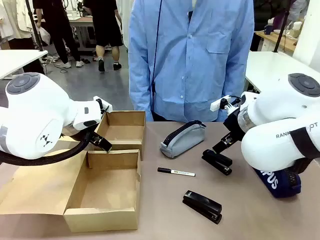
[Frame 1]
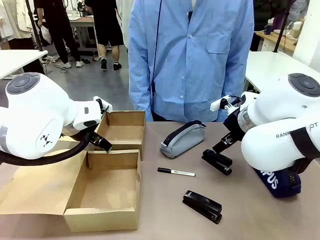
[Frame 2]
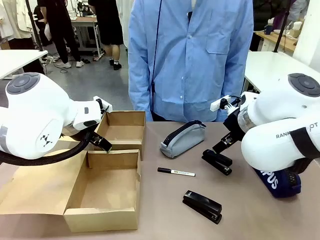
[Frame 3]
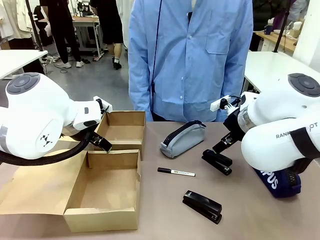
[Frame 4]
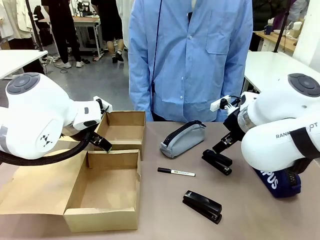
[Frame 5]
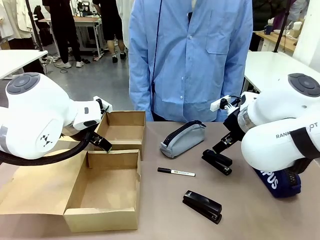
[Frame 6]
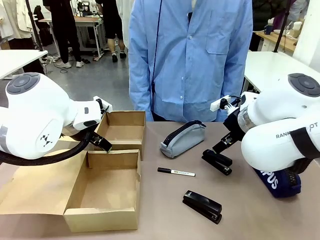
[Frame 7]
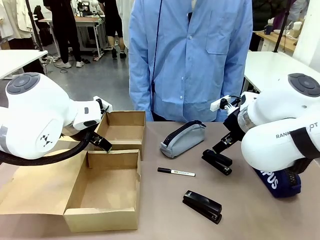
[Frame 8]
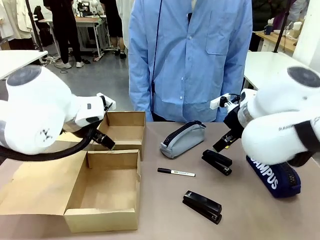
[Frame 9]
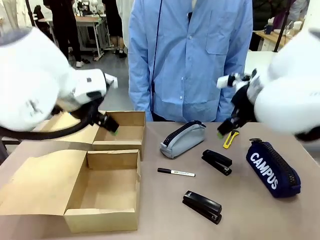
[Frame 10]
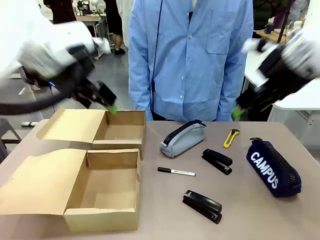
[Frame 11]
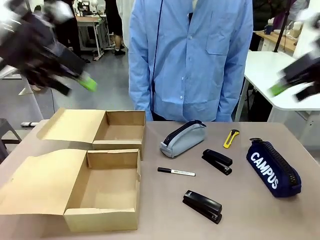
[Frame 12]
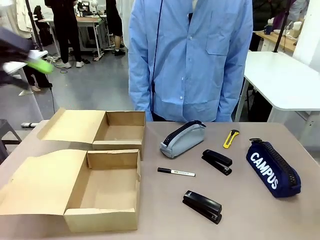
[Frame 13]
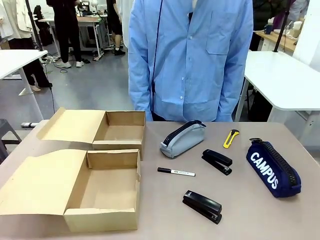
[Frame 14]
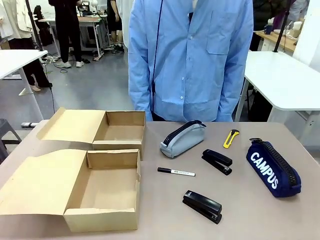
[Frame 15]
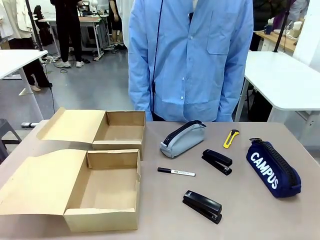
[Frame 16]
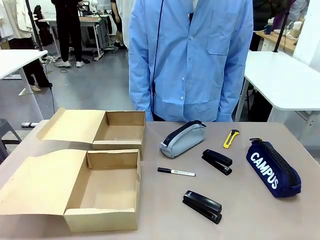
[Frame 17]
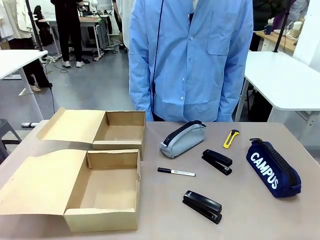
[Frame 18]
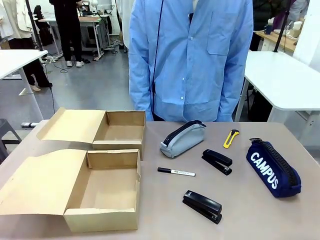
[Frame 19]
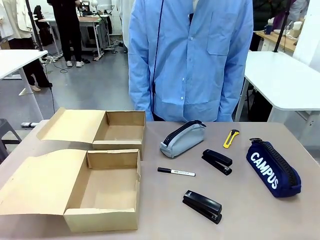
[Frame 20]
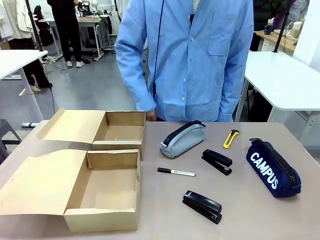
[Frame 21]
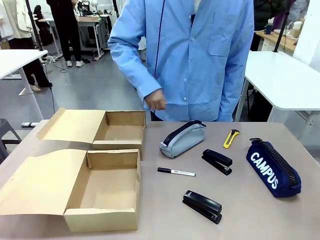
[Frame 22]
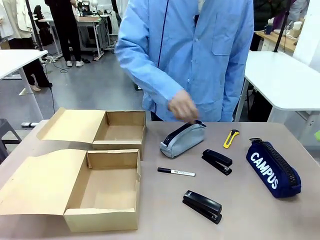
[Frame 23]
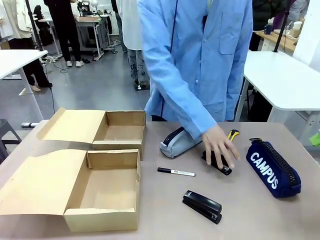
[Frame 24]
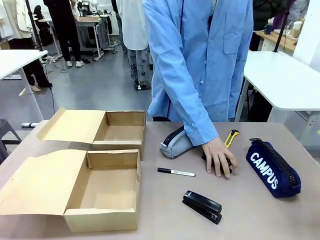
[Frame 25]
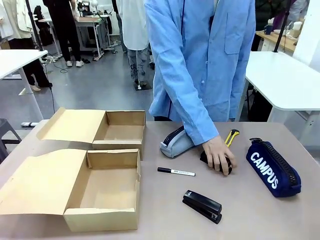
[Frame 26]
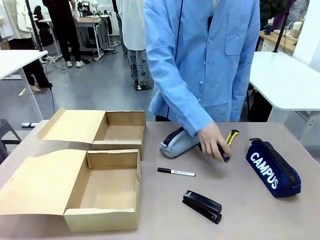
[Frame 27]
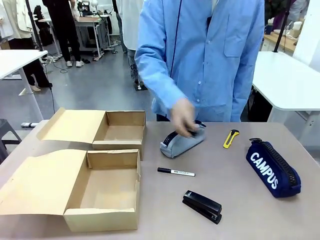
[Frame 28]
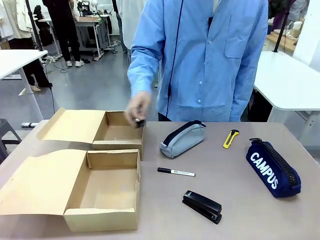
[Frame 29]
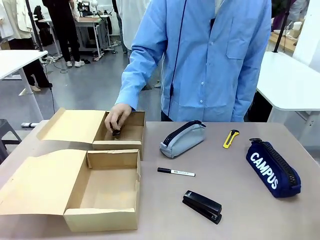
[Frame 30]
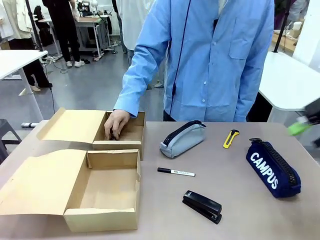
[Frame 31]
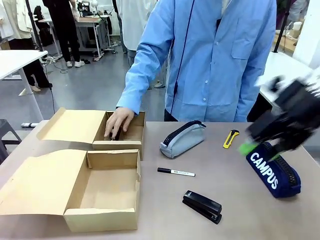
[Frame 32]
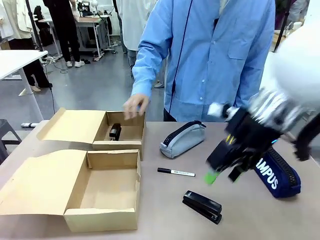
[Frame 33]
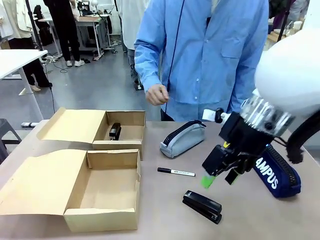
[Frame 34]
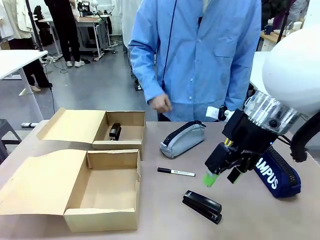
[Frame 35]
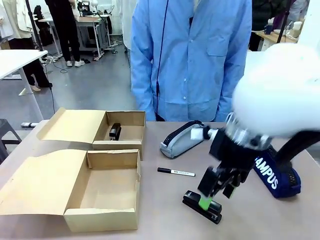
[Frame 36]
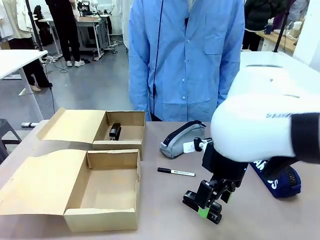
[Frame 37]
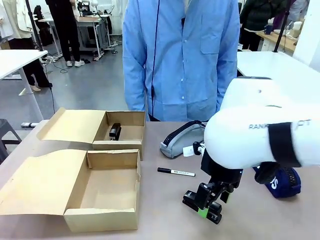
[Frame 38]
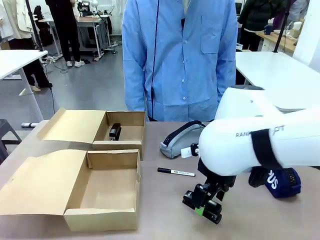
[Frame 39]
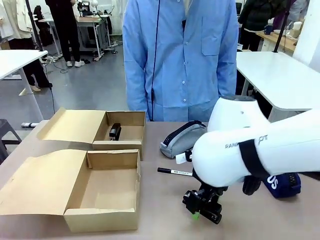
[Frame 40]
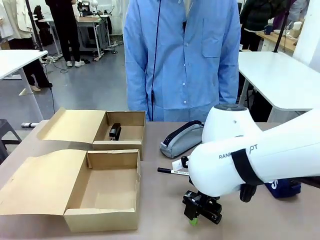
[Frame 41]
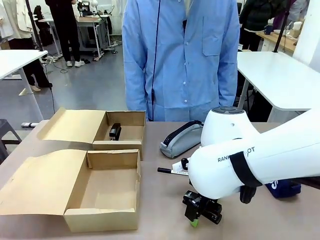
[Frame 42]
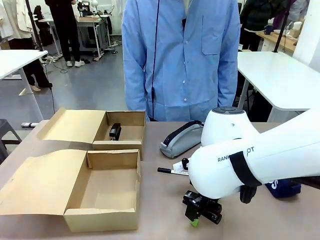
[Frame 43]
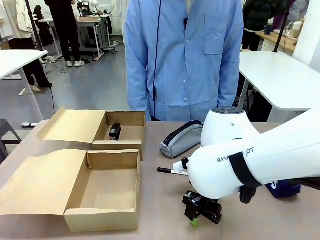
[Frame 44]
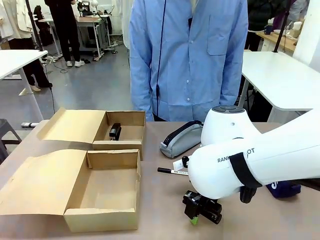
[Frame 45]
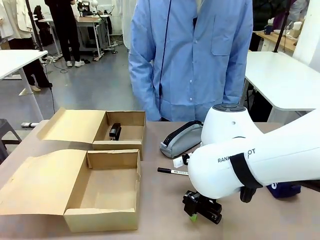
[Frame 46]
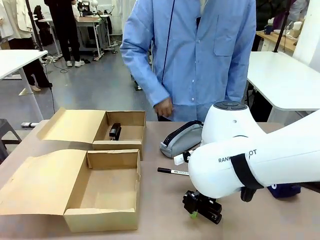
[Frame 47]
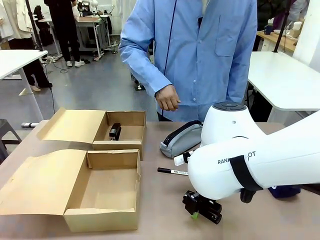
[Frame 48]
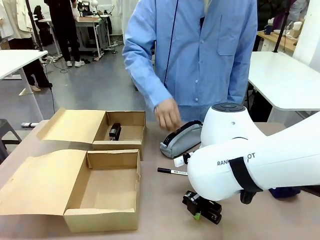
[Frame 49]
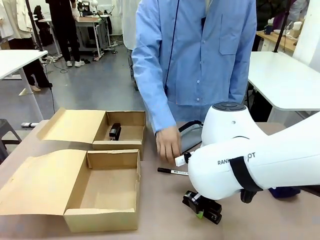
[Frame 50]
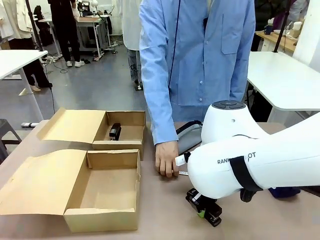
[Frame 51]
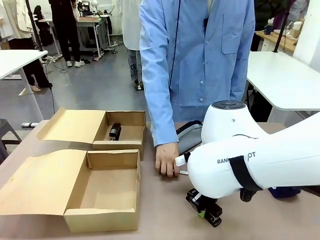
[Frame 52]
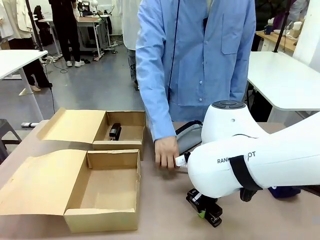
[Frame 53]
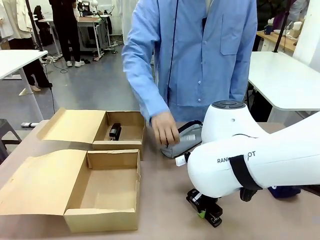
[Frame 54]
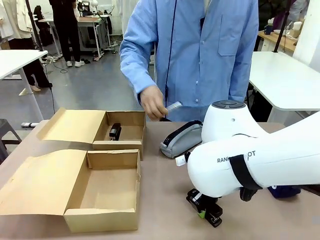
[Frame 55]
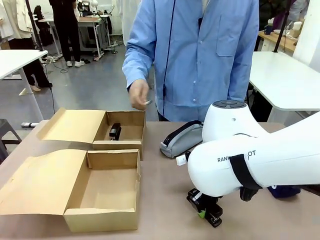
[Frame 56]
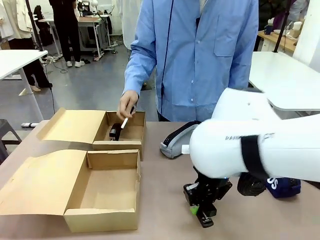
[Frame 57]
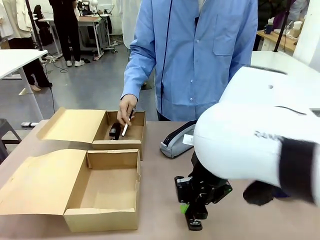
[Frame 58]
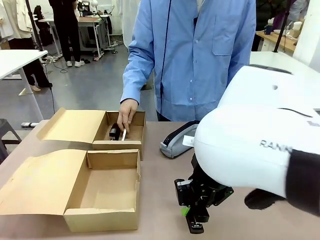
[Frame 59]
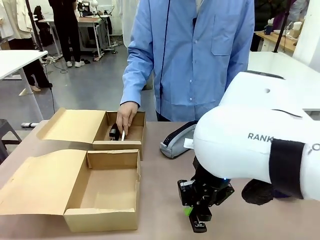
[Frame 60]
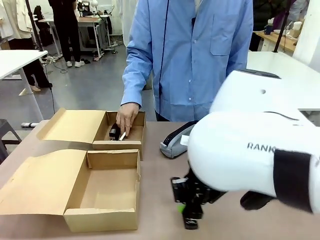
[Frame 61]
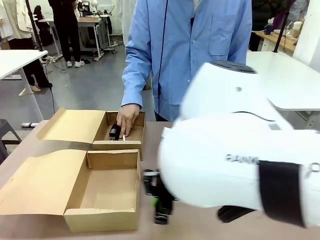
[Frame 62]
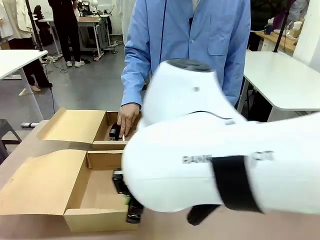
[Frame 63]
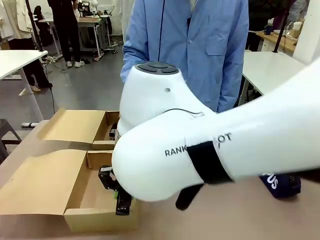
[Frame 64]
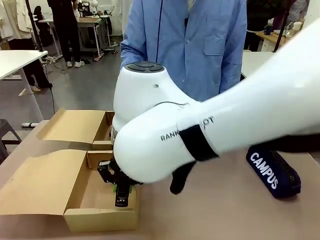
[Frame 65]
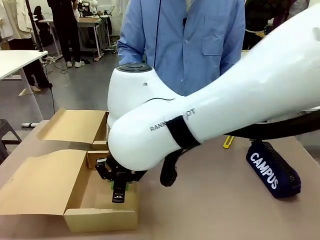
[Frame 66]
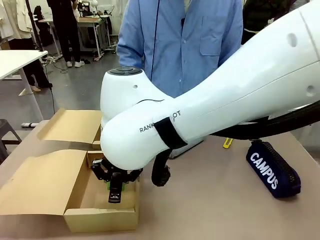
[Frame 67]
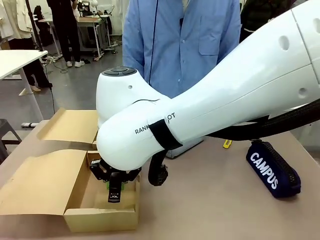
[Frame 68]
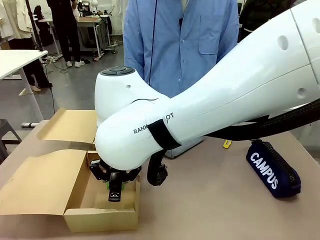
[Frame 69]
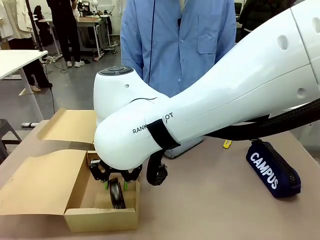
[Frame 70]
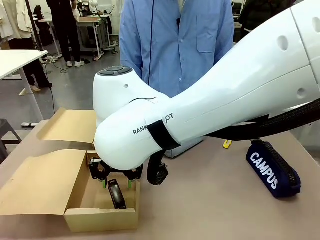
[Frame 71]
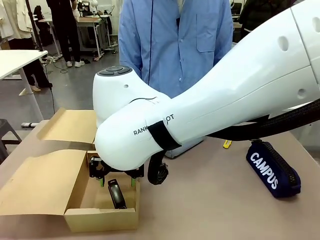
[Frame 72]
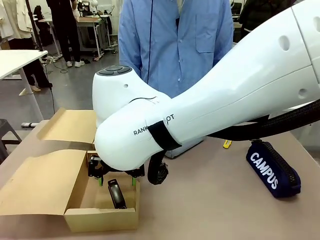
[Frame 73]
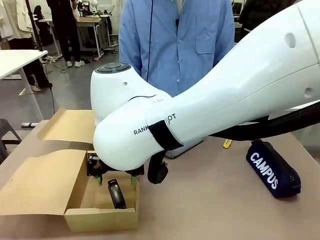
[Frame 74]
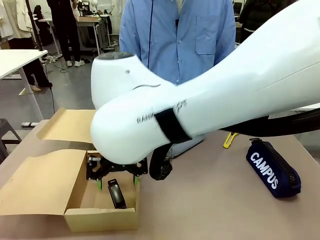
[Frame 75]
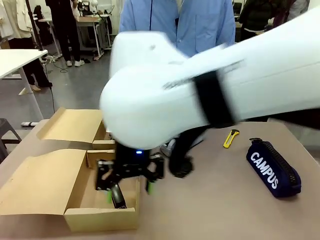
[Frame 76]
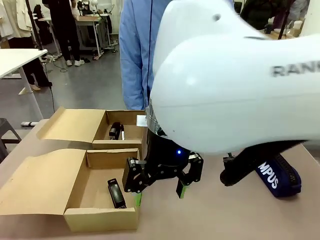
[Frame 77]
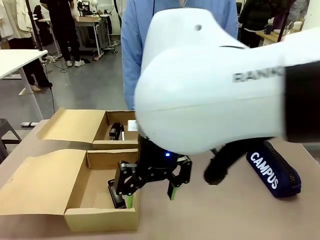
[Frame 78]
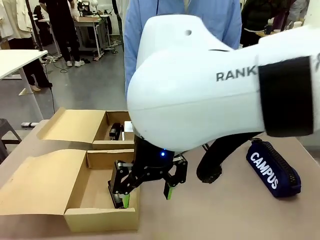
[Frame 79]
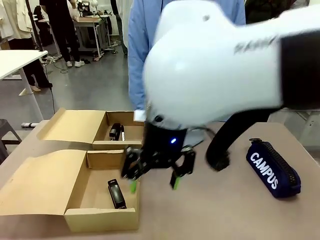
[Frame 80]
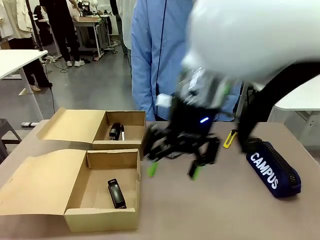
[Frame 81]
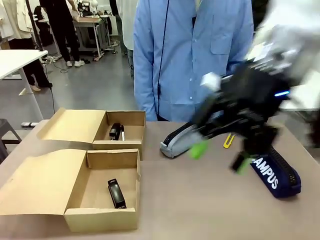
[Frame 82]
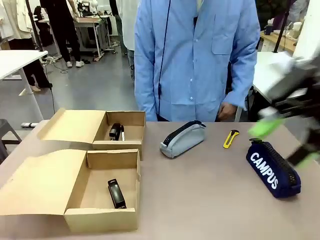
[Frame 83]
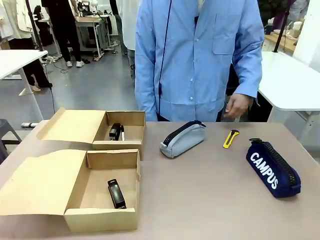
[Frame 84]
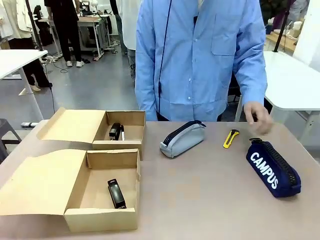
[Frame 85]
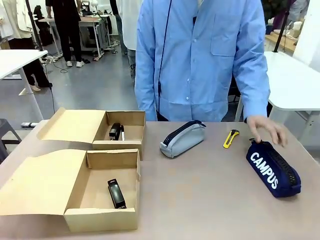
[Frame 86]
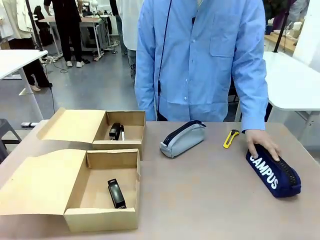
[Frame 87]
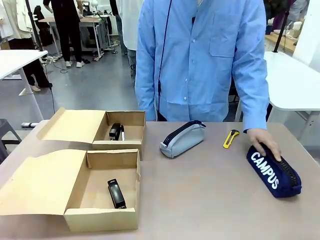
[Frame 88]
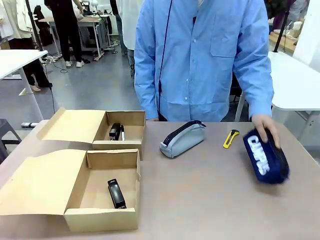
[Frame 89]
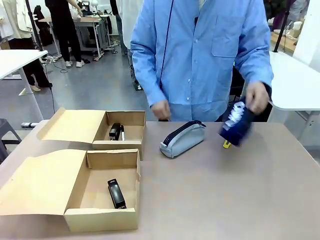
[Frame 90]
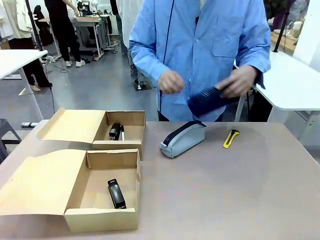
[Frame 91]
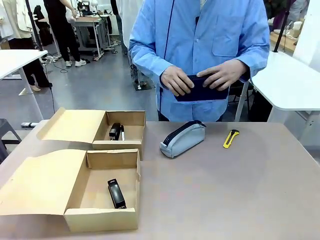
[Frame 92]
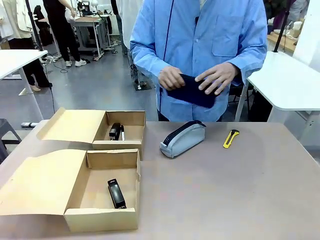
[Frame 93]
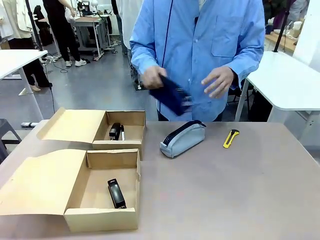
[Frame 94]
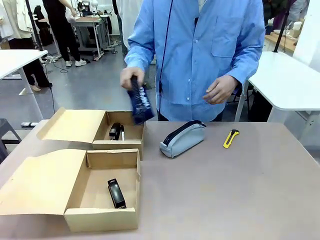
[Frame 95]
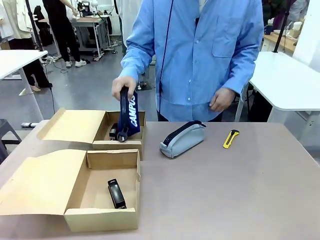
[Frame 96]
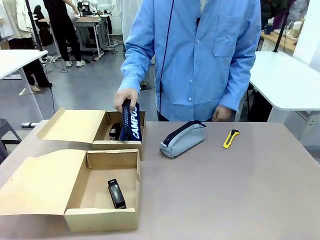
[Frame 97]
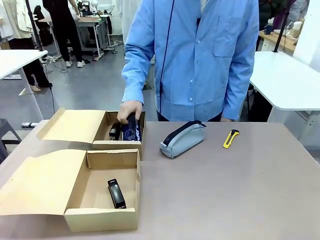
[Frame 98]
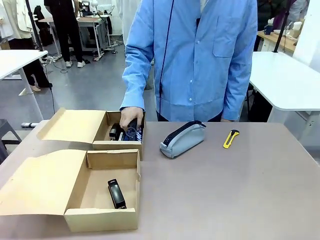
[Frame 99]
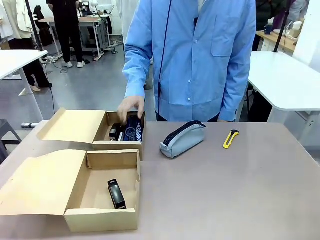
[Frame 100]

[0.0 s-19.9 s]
Task: Place items inside the box.
Robot: Pick up a Pencil pouch or Stapler and place it inside the Mailer Box closest to the robot.
Person: Pick up an object on the table and put it in the box.
